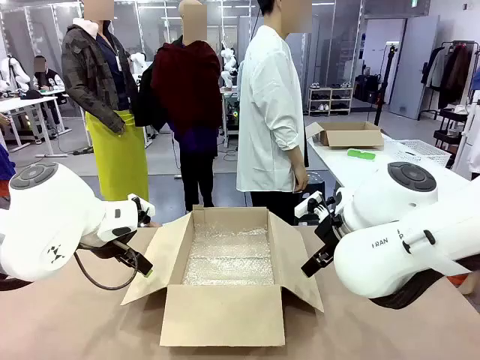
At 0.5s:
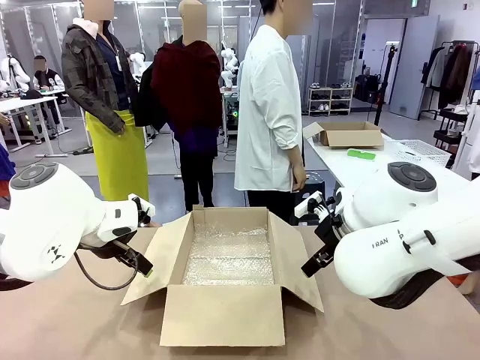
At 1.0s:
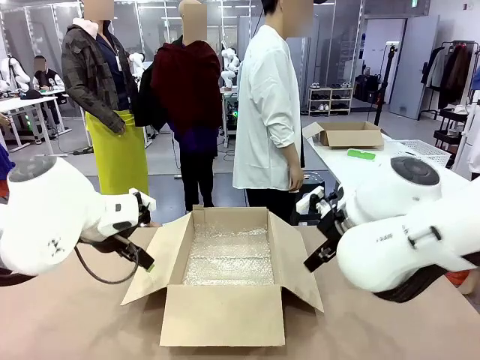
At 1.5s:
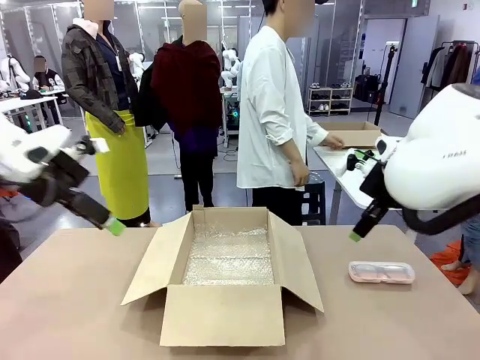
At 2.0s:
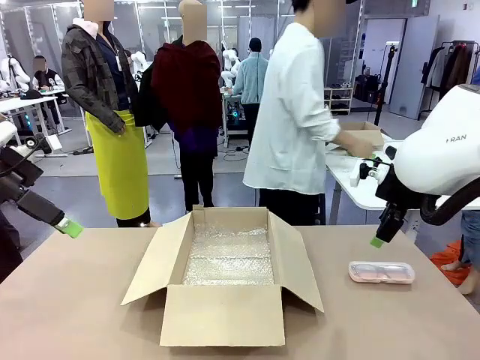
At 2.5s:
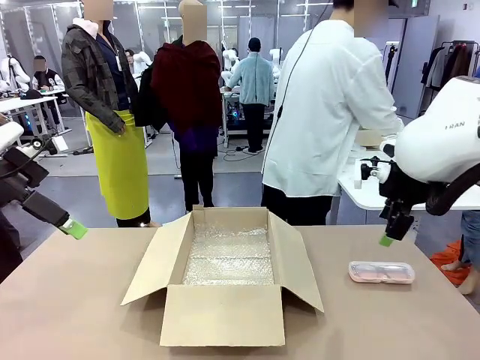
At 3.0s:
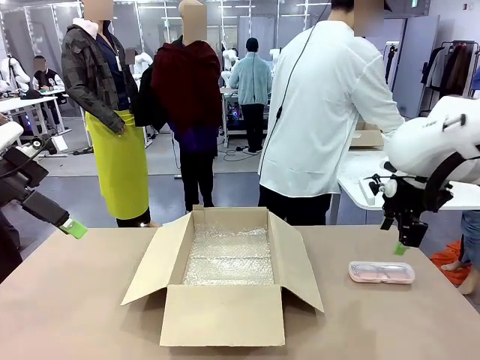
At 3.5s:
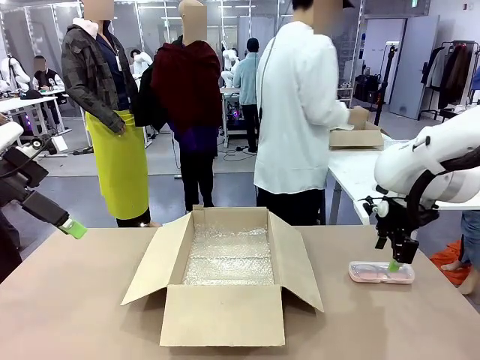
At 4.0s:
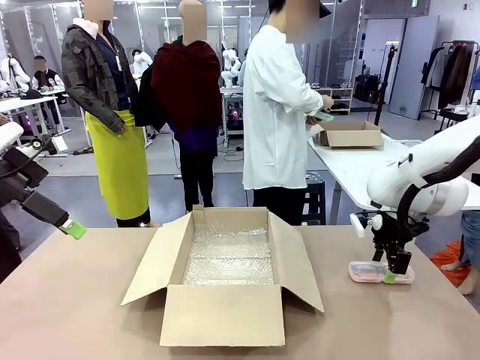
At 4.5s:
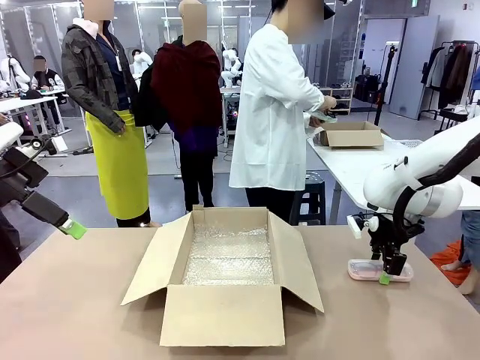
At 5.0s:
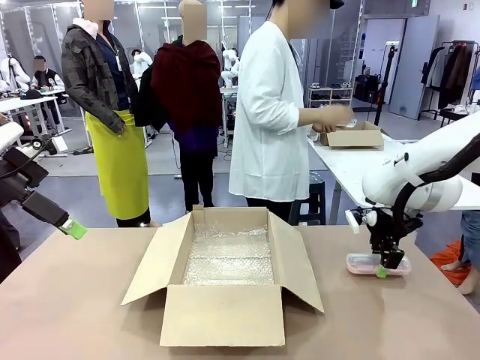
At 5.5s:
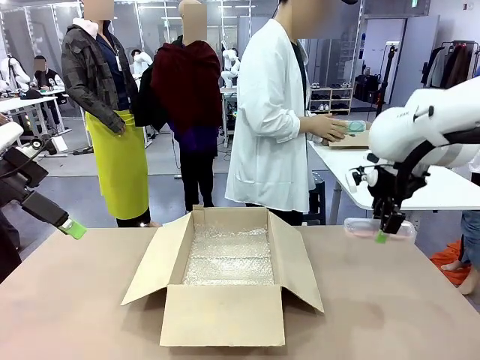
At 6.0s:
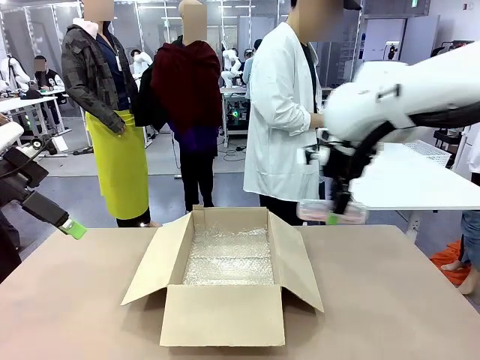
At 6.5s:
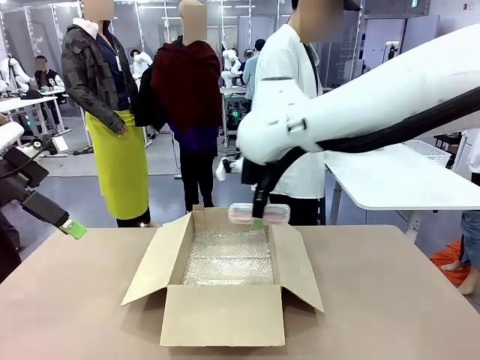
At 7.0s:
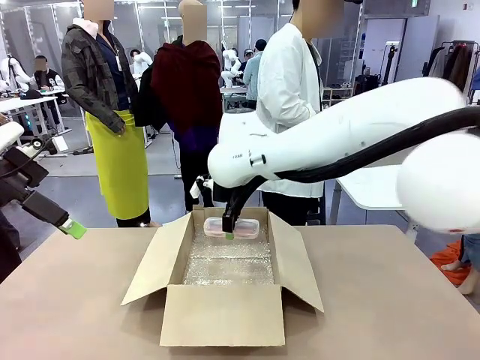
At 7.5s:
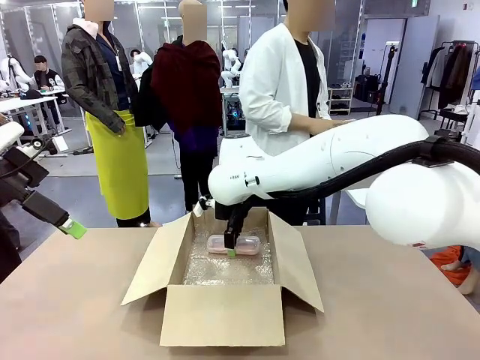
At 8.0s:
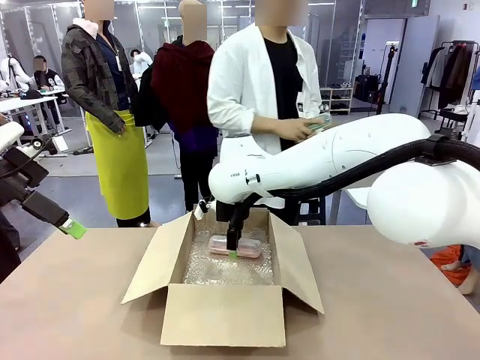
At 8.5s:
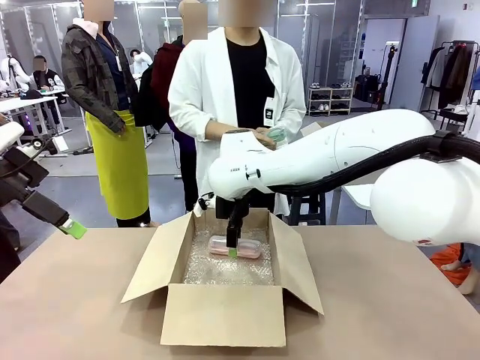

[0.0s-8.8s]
Task: Pack the glasses set securely to prepare it for shipping.
Robot: Place the Glasses case inside the Package Box.
Person: Place the Glasses inside the Glasses case.

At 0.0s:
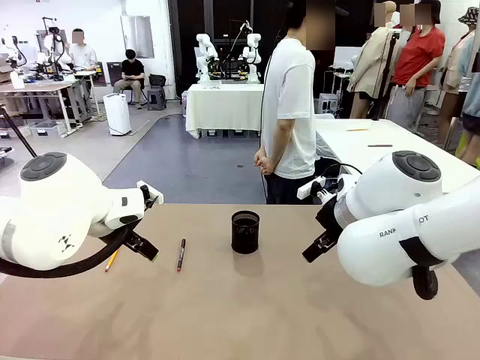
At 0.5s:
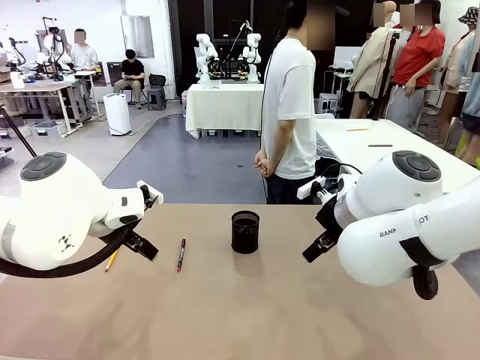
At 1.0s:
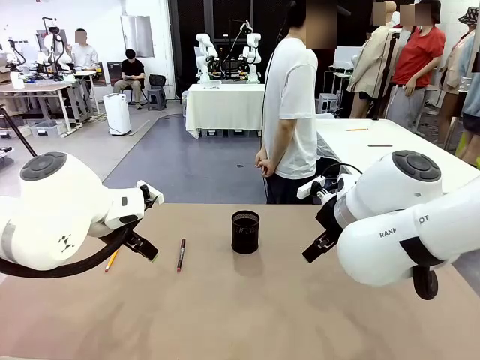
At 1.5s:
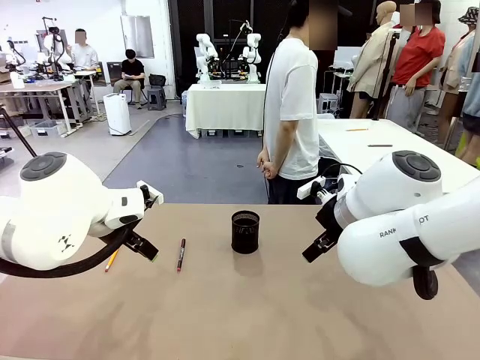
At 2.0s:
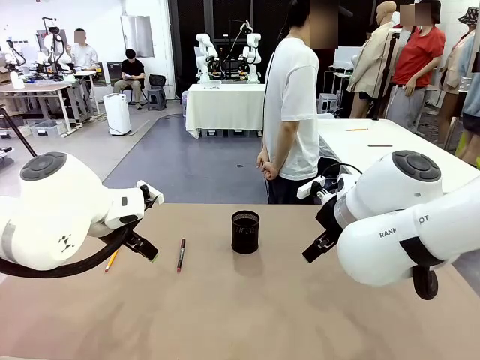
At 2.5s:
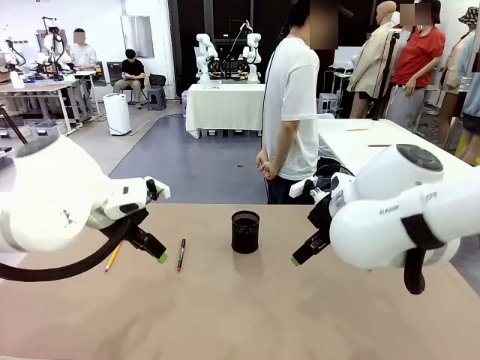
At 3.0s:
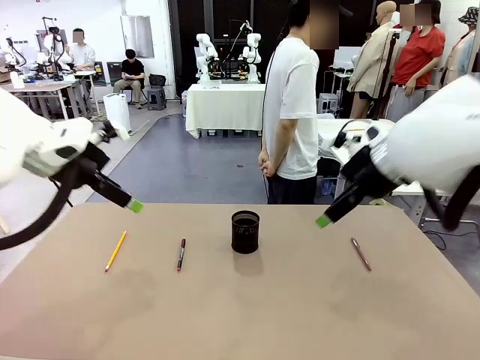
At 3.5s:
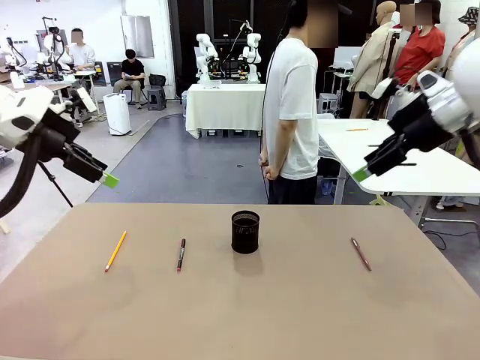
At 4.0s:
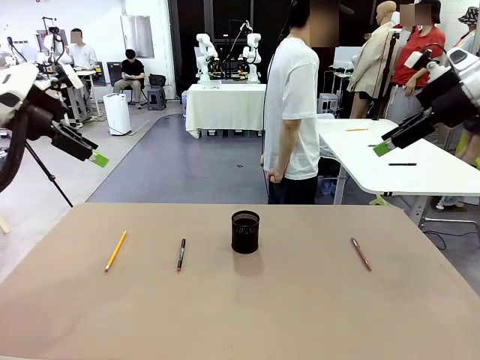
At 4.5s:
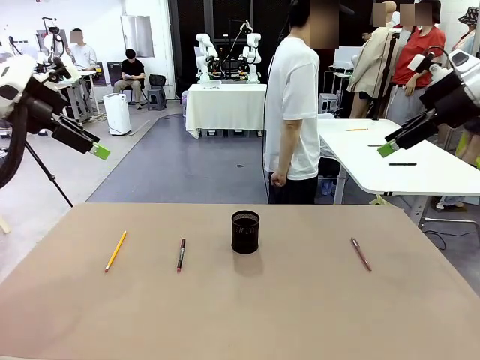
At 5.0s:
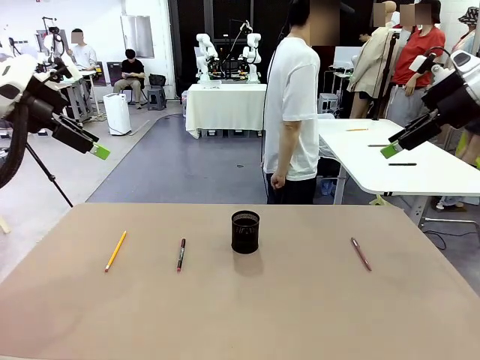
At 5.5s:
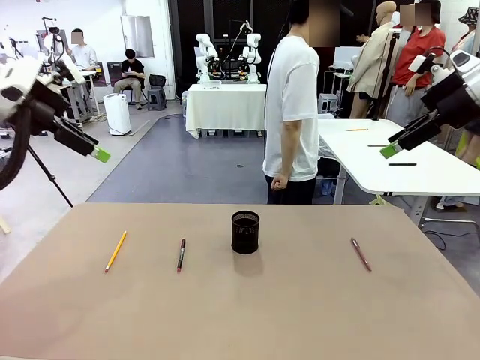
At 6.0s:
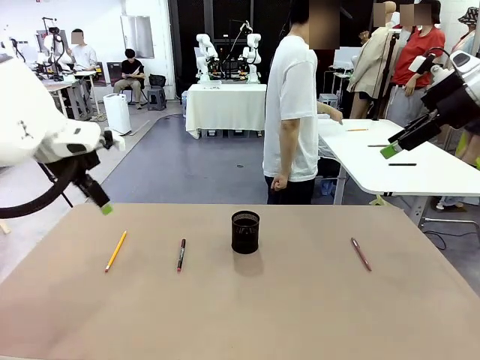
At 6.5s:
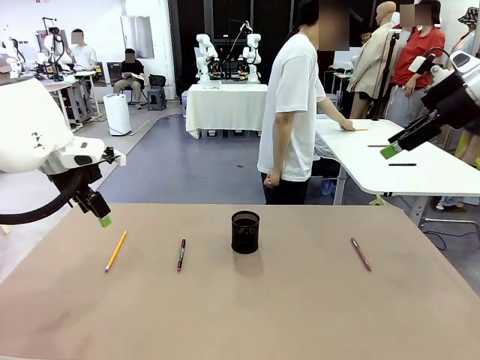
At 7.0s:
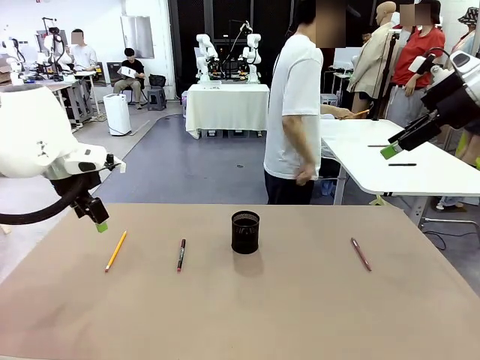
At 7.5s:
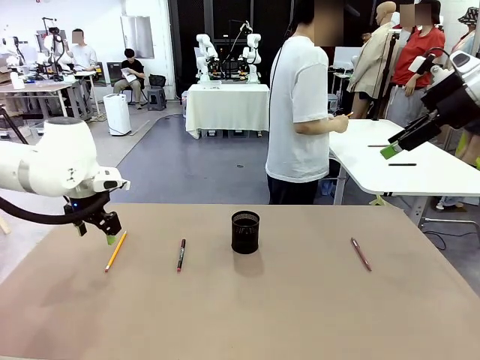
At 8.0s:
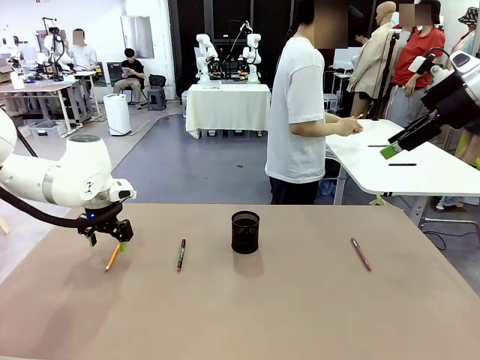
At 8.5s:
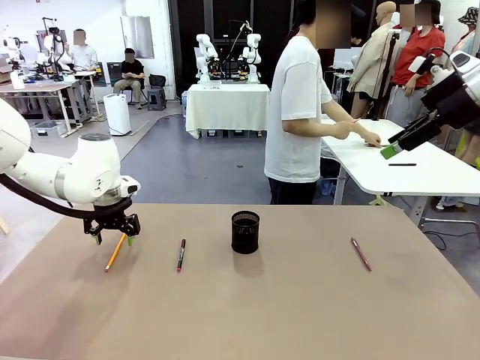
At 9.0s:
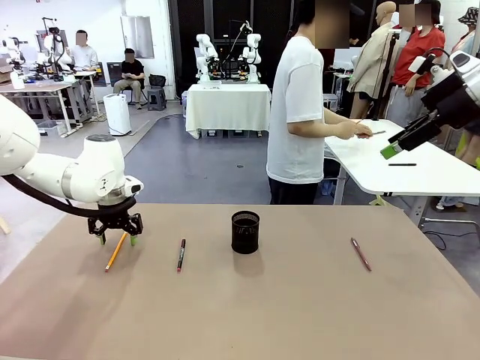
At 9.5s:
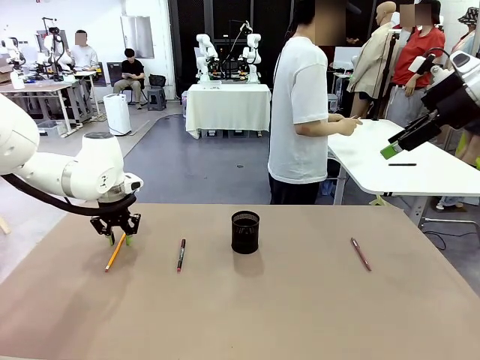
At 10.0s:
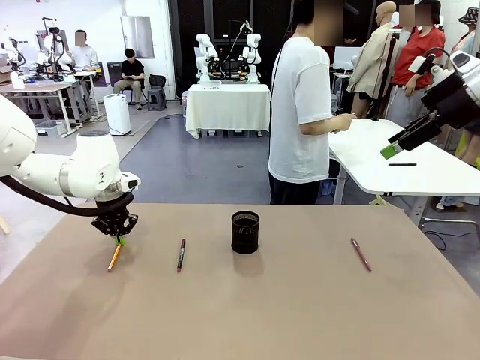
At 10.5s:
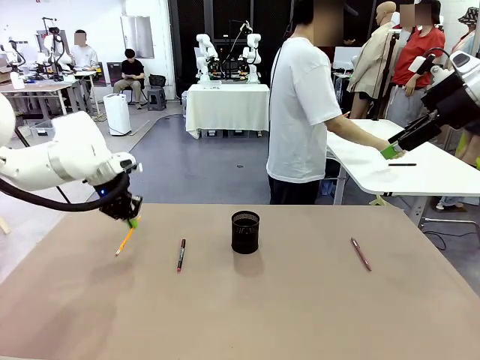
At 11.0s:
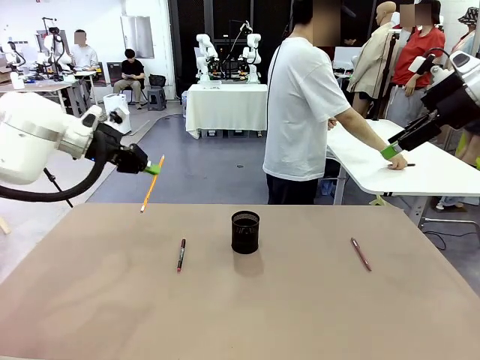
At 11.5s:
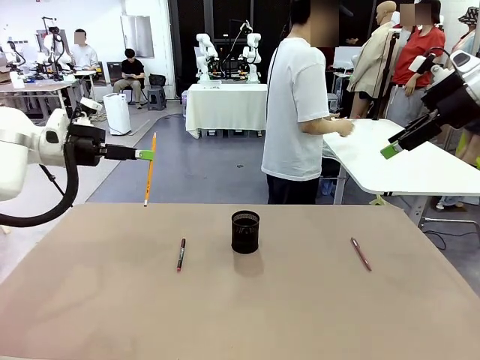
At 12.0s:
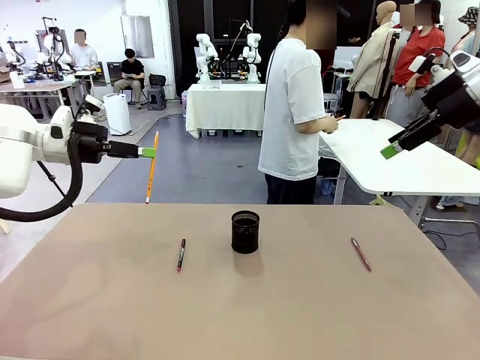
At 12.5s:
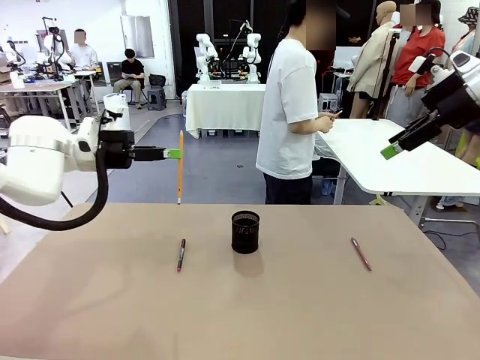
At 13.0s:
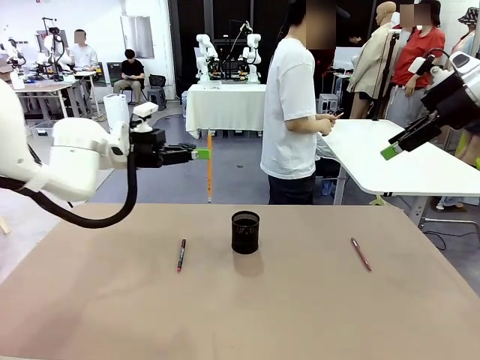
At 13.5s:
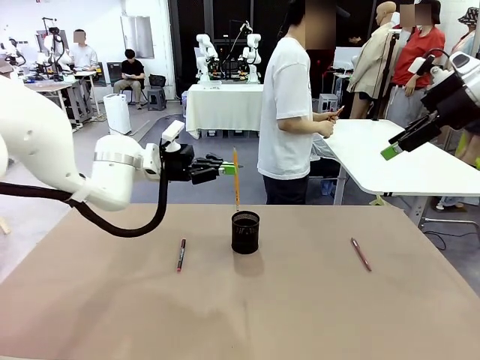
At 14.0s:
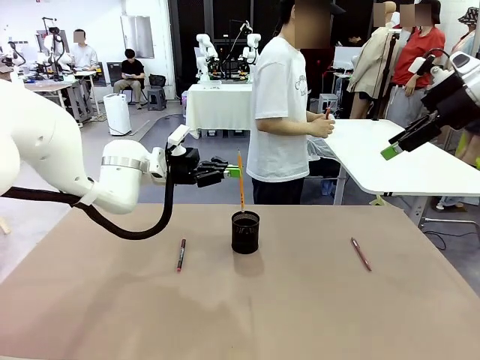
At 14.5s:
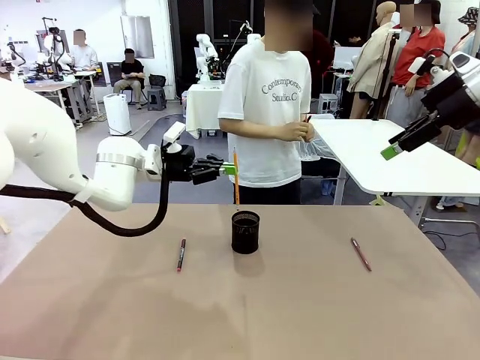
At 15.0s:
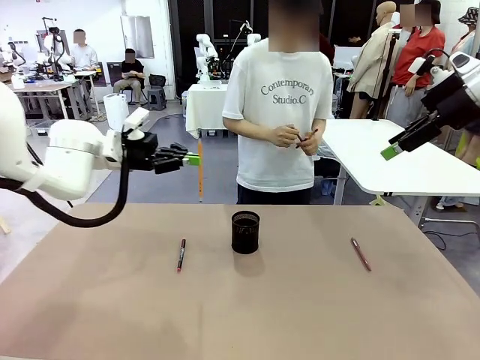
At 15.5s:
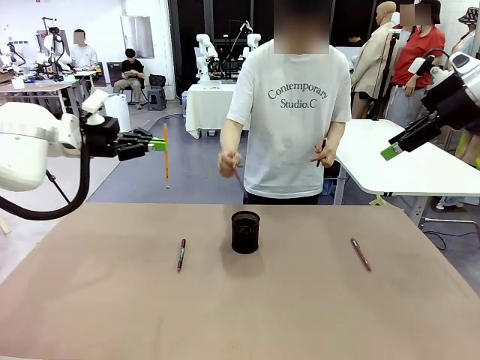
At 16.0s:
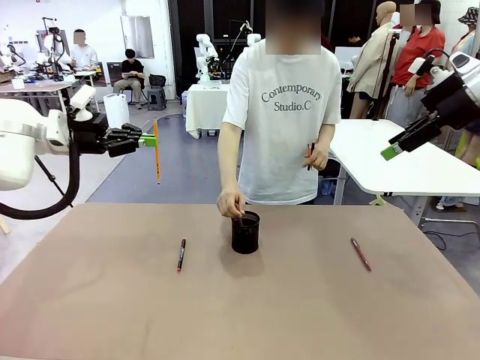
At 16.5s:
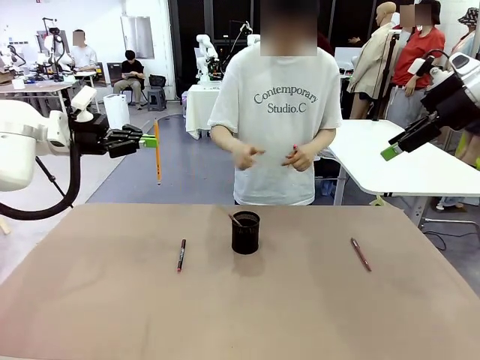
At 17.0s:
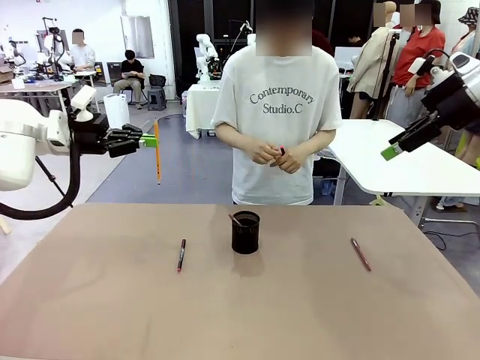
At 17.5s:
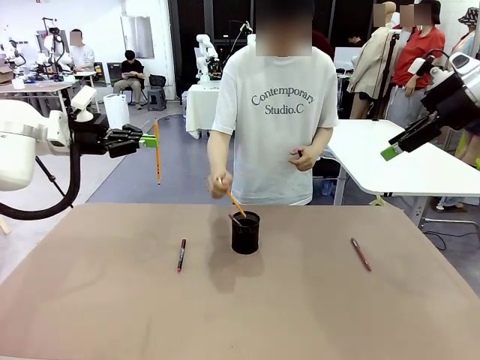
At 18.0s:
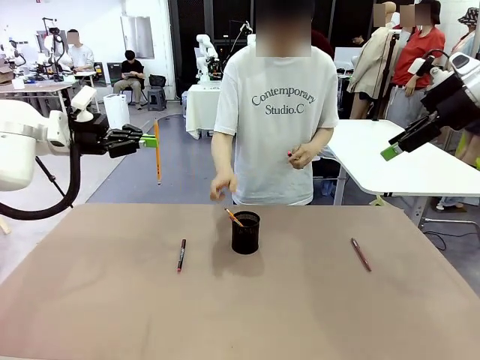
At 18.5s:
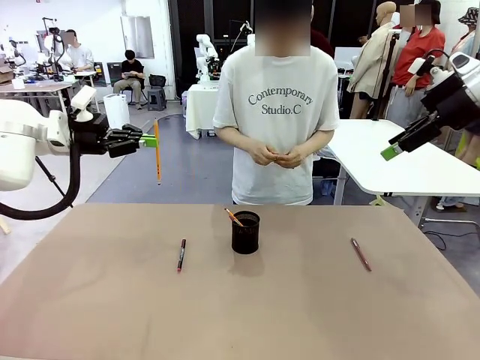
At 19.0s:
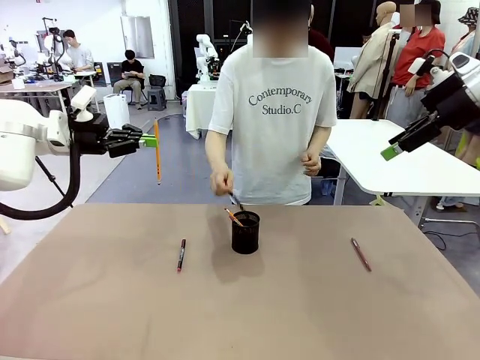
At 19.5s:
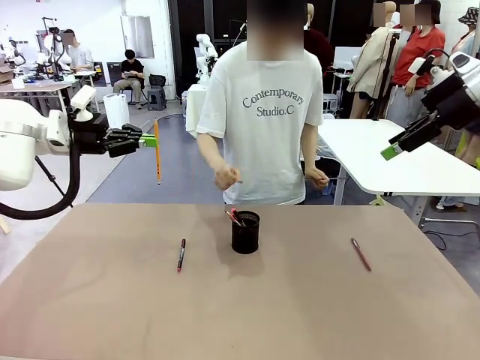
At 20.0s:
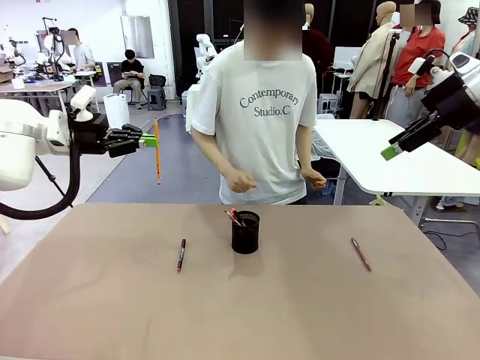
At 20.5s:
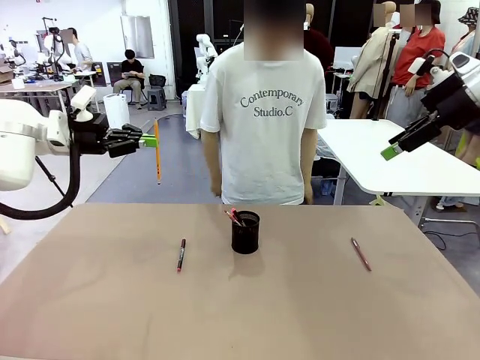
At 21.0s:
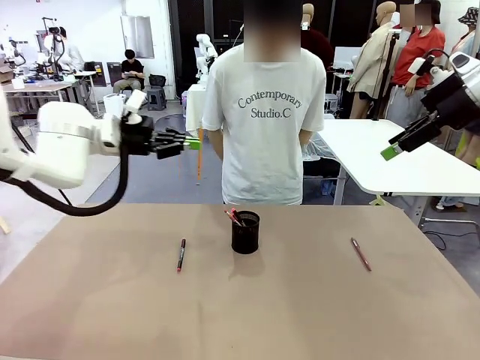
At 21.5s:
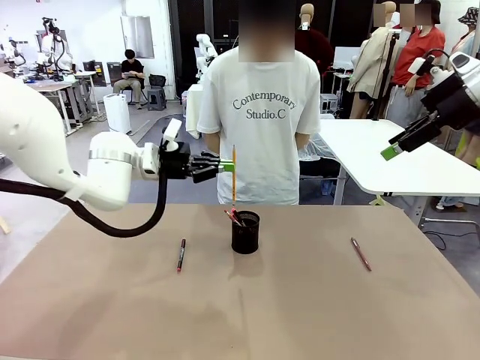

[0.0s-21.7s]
Task: Place the pens into the pen holder.
Robot: Pick up a writing instrument from the table and place it into the Pen holder.
Person: Pick up all writing instruments from the Human table.
